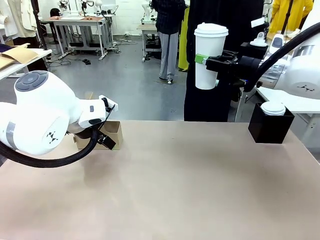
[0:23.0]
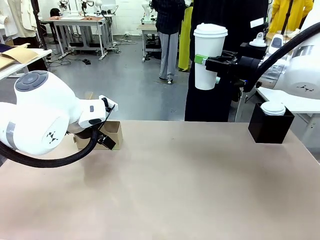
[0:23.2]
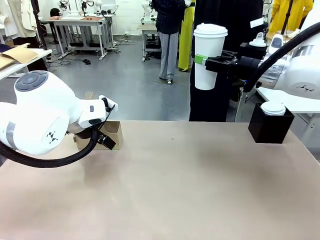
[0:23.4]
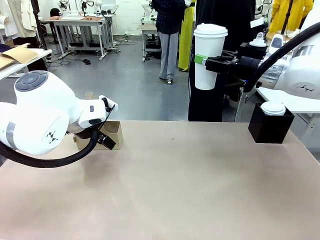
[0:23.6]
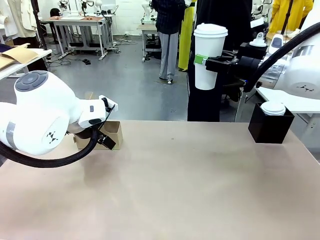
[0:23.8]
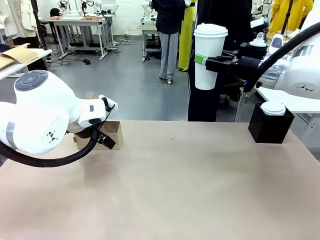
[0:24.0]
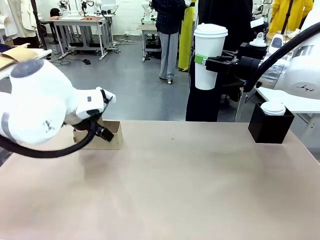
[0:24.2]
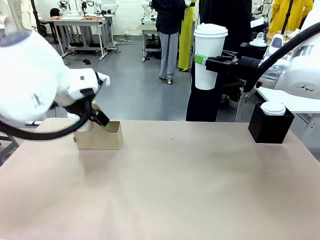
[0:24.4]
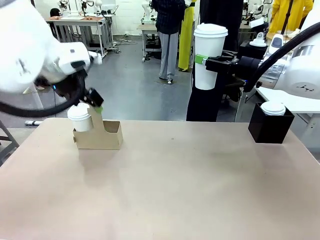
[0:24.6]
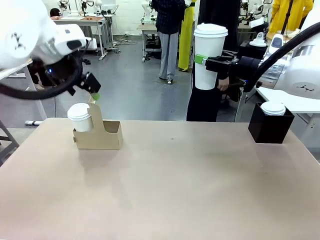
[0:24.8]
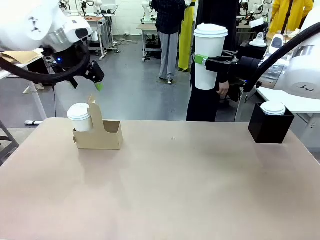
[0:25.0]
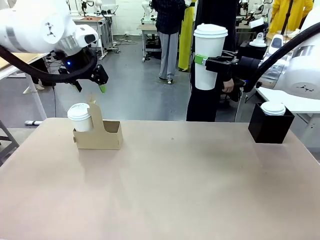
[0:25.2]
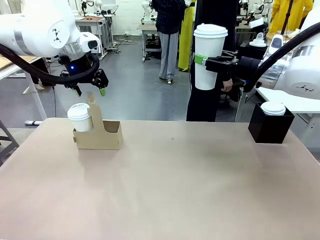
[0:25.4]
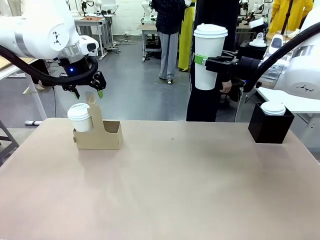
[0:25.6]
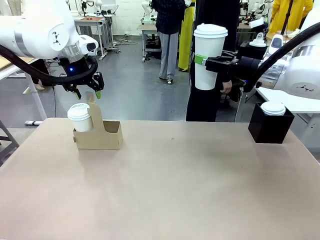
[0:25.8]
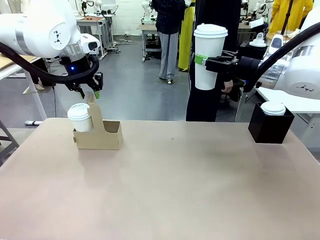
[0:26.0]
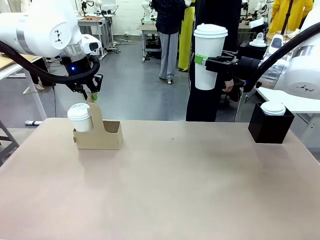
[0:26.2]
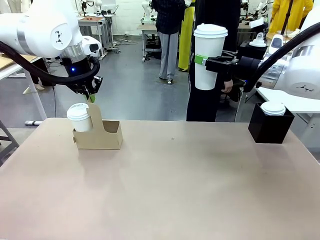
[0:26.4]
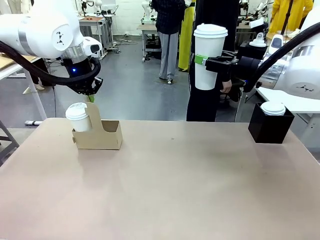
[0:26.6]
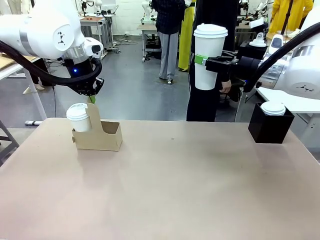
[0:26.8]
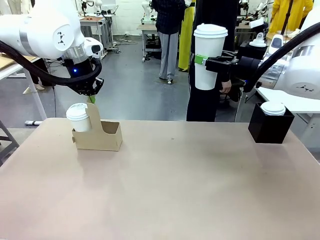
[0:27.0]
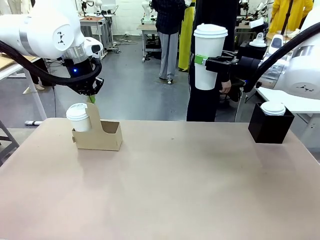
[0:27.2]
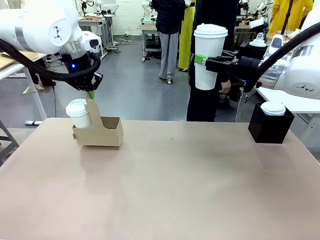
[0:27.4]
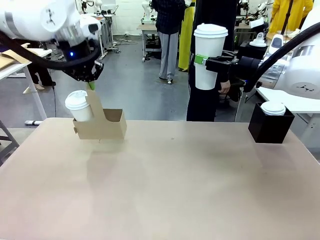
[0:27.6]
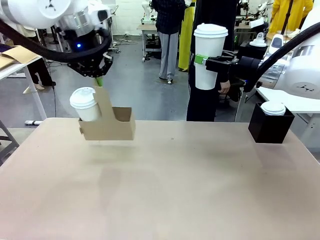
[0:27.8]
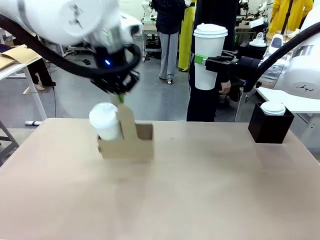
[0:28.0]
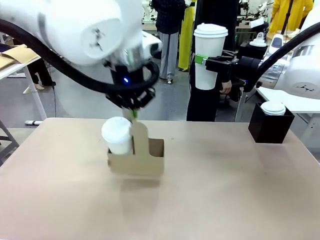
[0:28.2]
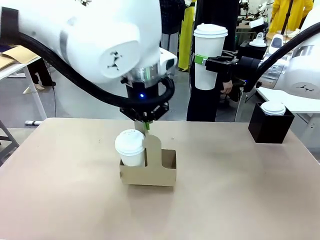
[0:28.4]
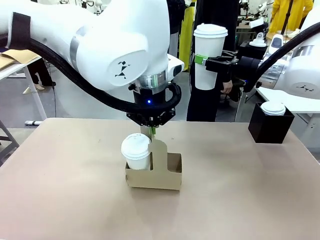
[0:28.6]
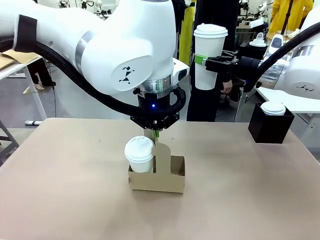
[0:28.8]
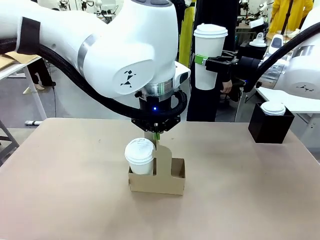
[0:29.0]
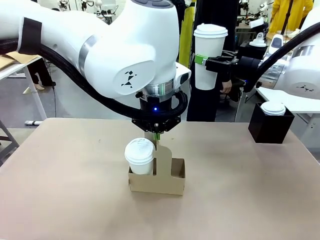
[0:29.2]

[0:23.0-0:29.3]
Task: Pour a drink into a cup and package it in a carrier.
Robot: Position the Cup Carrier in the center of the table.

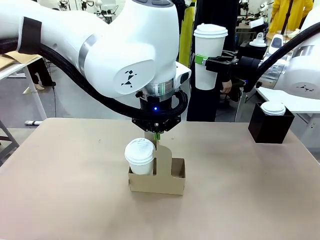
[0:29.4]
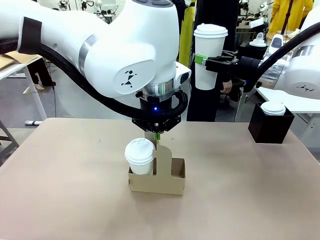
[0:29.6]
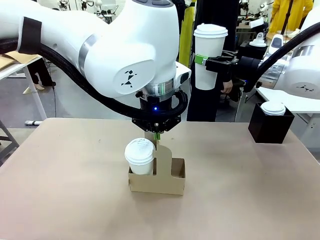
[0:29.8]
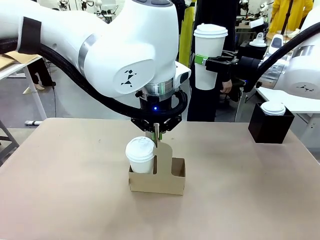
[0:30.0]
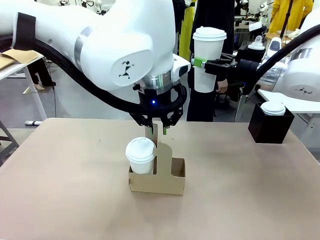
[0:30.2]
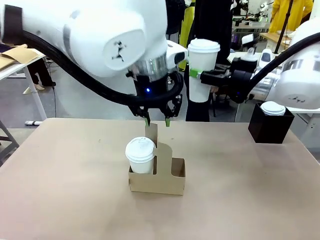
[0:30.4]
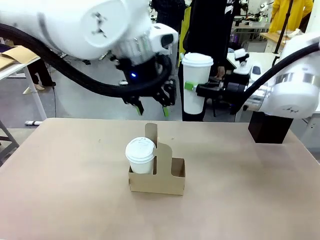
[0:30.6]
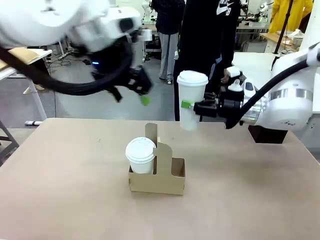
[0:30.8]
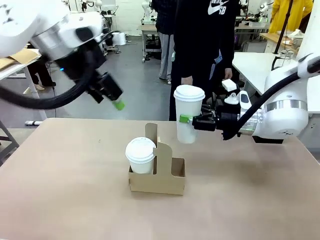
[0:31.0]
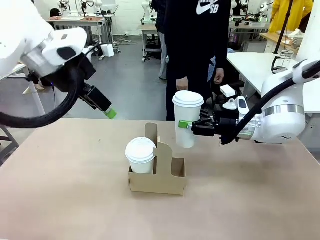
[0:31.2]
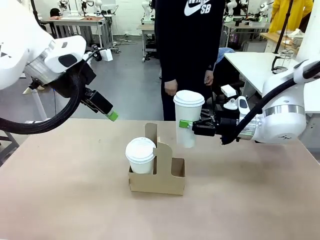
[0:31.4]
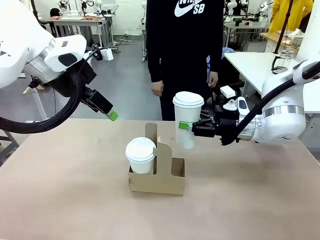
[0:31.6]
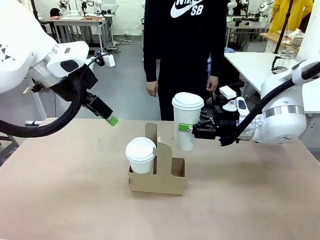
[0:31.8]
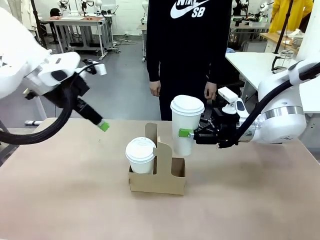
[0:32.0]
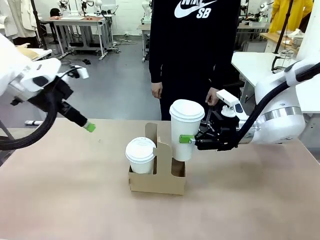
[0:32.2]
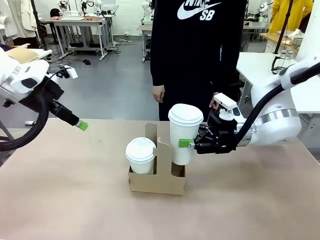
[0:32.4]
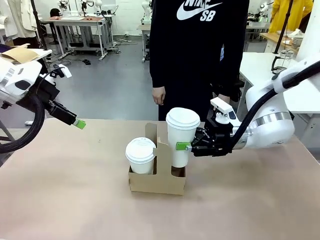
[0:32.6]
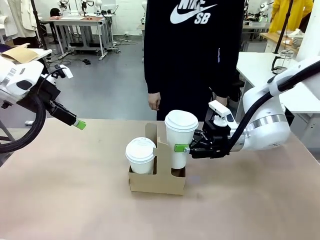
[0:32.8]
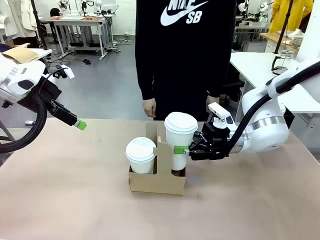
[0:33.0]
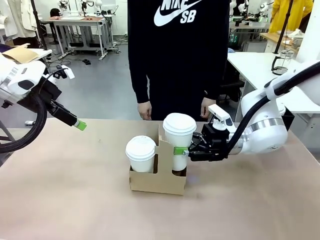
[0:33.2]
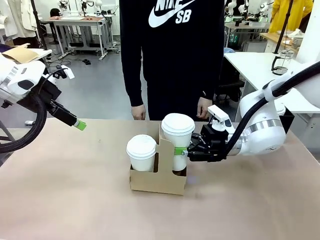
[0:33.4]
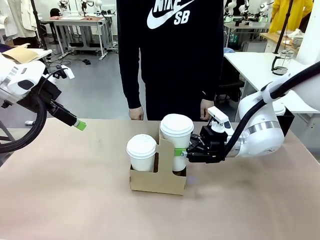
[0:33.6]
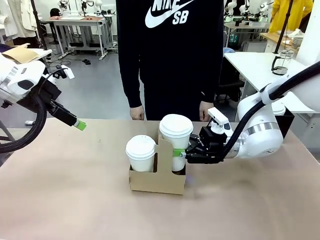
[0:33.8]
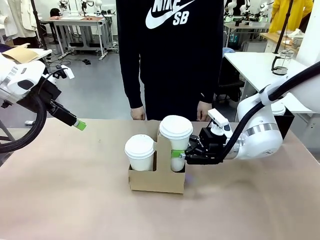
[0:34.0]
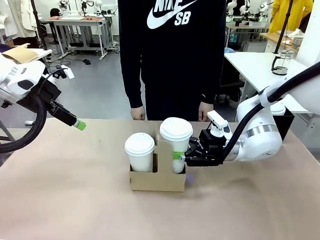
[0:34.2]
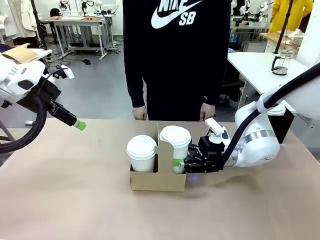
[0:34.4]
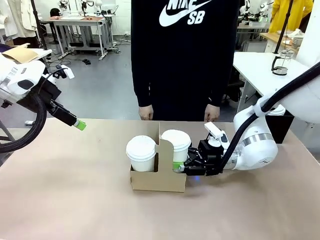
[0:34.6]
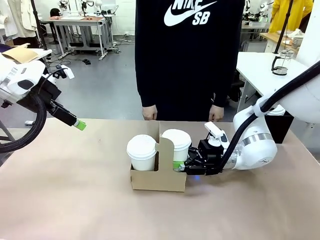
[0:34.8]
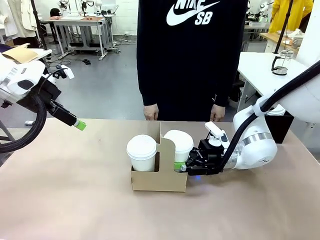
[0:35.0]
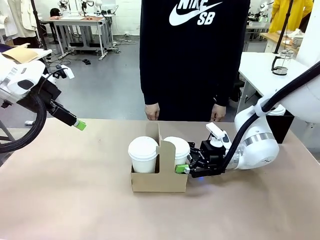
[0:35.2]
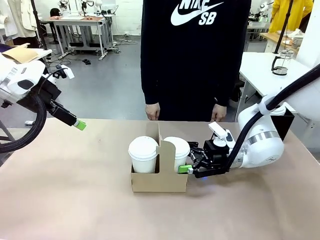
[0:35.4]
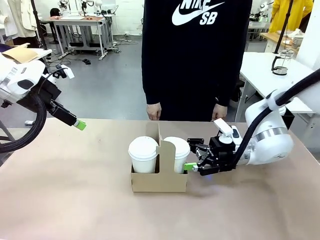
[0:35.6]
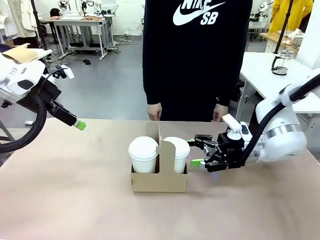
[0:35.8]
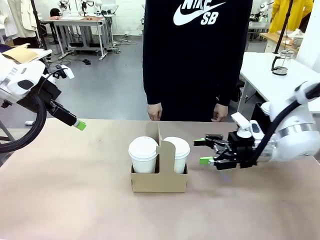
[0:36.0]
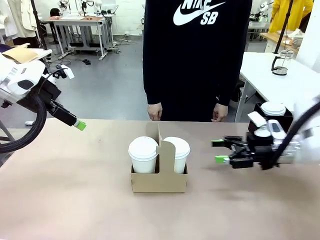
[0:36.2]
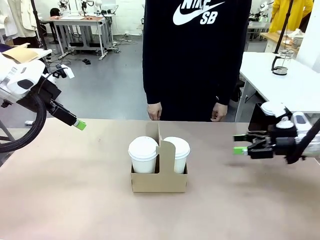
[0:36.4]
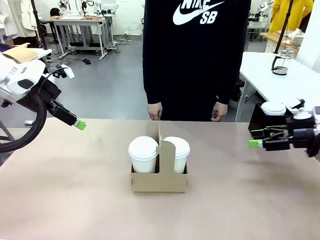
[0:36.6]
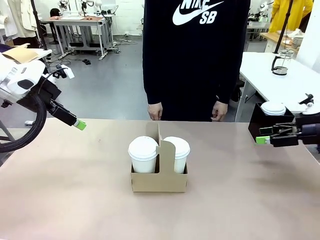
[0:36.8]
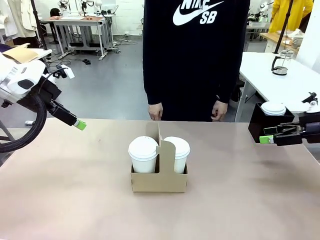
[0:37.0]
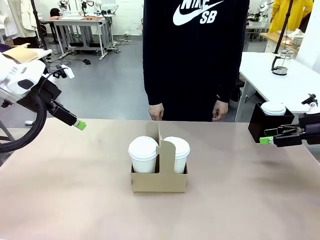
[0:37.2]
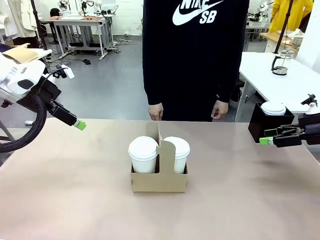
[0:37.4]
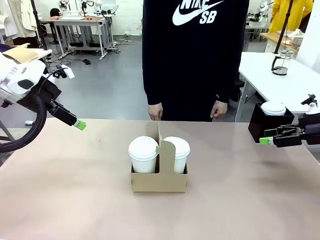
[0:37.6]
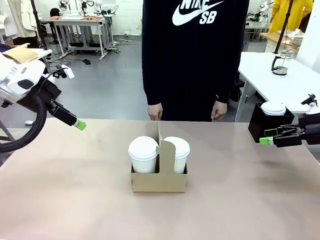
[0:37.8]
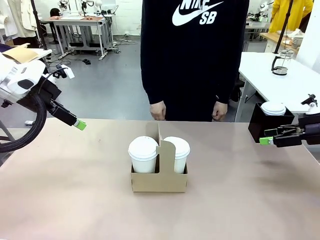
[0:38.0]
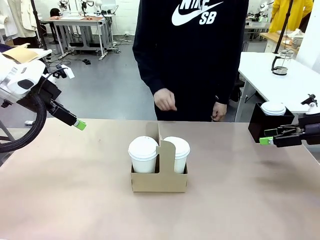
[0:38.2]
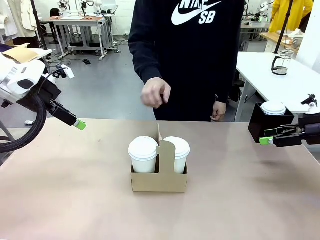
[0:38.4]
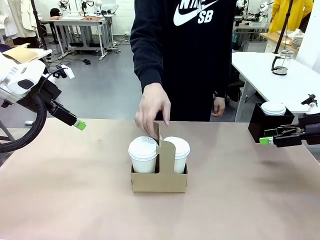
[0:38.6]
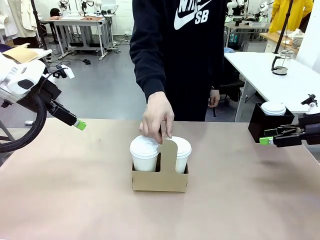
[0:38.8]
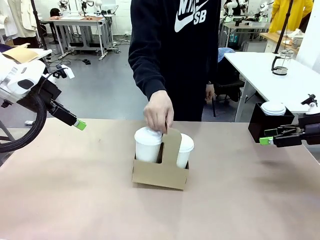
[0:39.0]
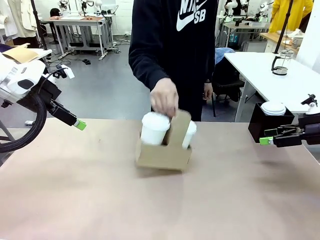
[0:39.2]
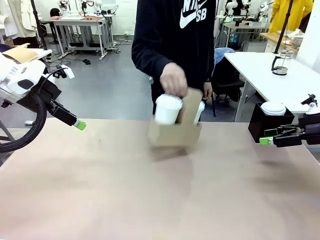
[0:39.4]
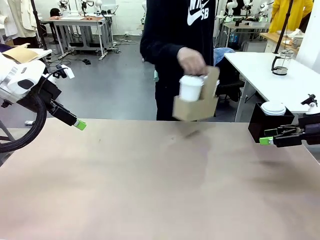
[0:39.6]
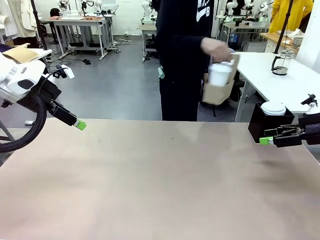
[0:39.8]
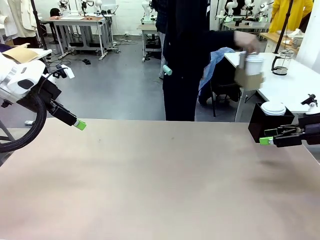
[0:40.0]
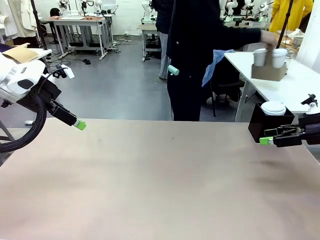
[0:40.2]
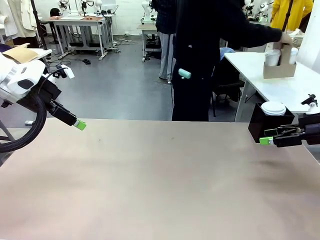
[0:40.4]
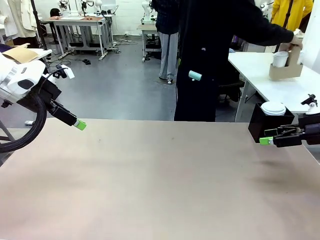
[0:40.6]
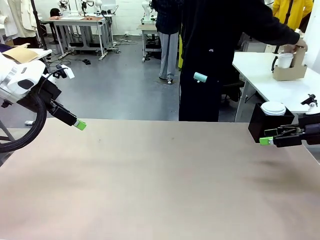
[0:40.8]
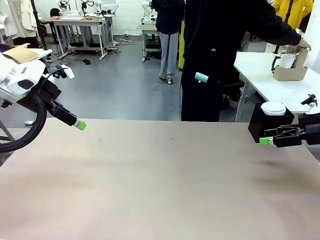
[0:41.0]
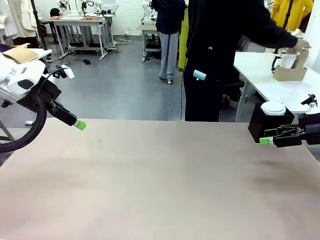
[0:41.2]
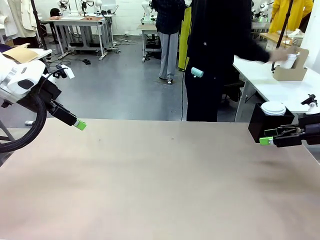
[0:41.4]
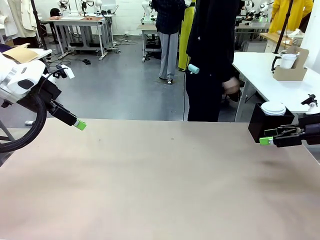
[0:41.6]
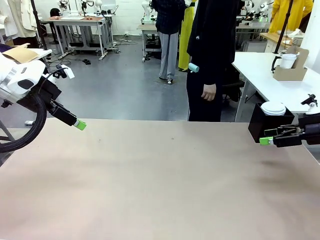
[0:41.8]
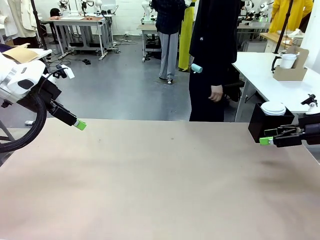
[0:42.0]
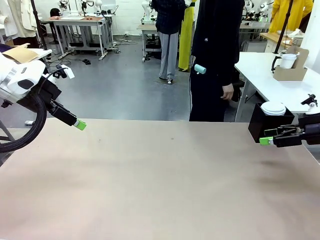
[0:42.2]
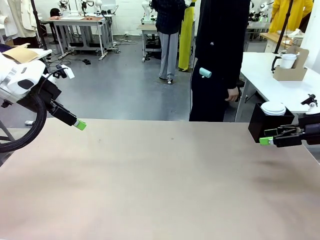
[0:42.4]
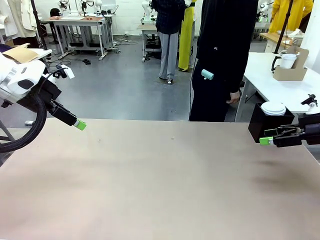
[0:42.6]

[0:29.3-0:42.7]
Robot: Insert the held 600 ml Paper Cup into the Cup Carrier.
Person: Place the Cup Carrier to the middle of Human table.
